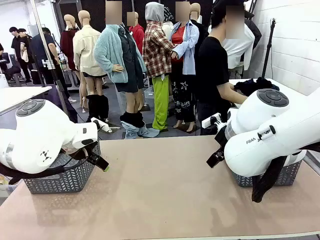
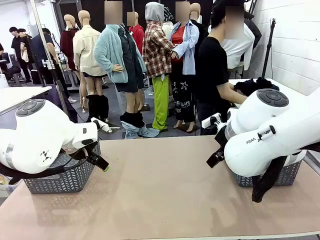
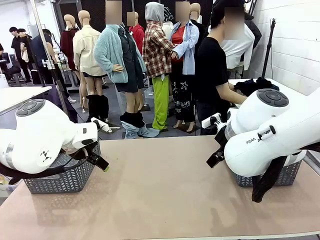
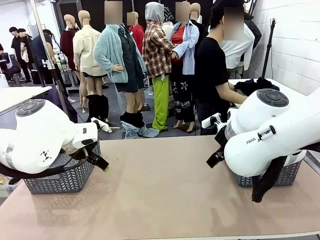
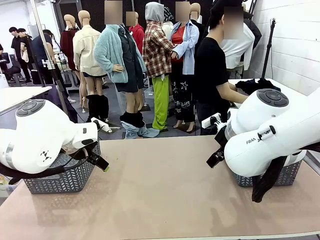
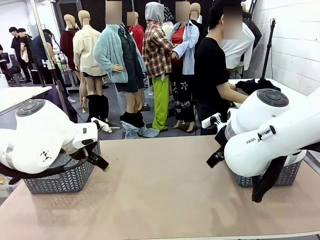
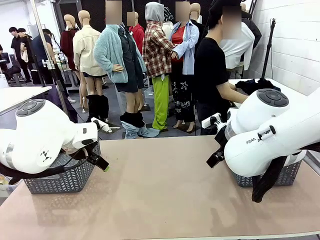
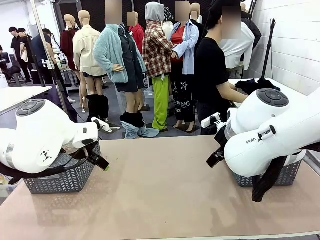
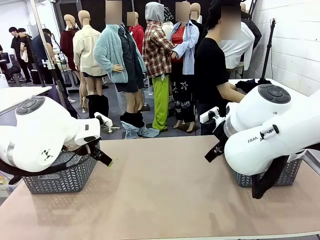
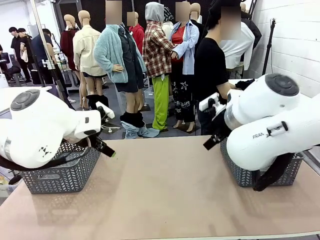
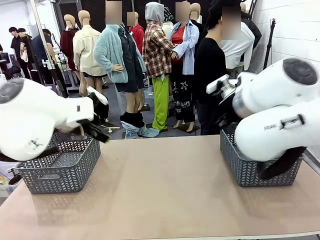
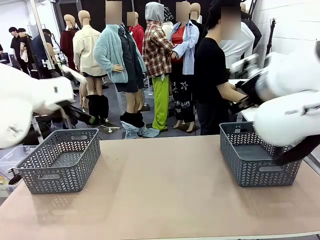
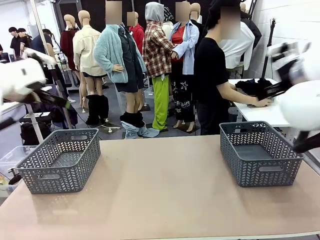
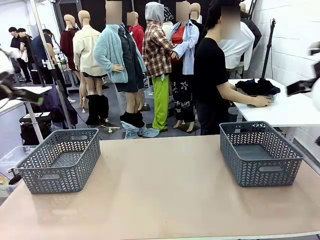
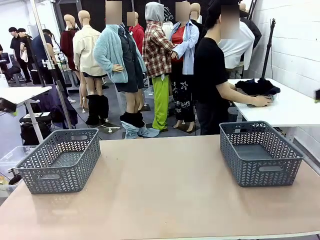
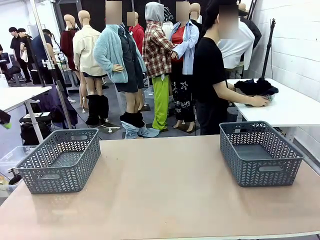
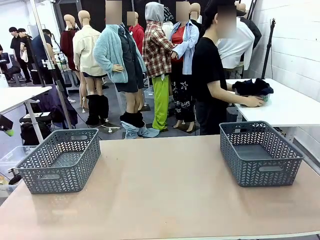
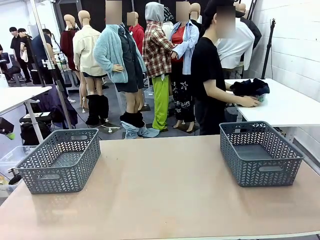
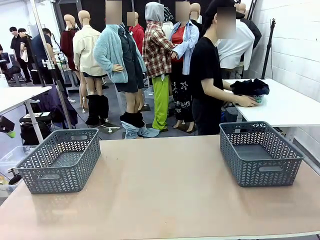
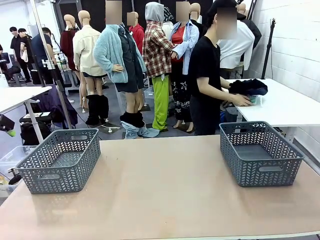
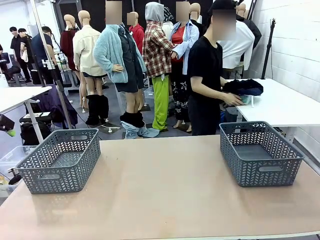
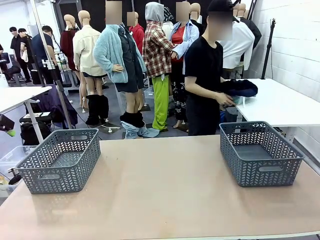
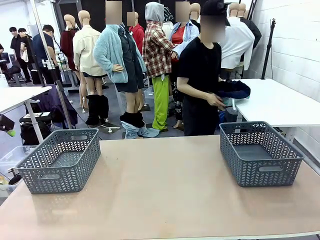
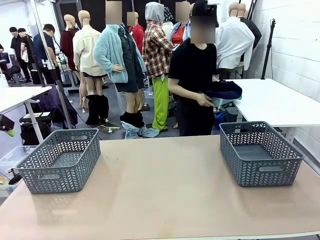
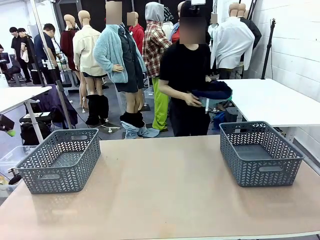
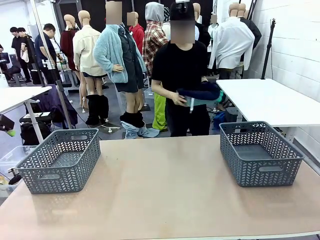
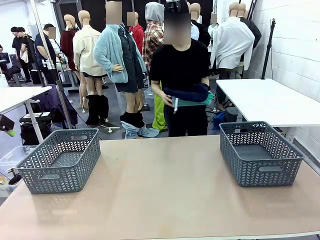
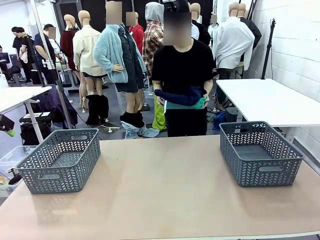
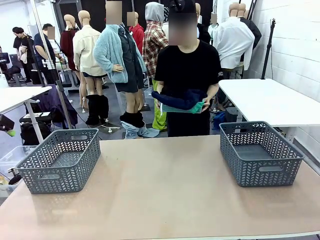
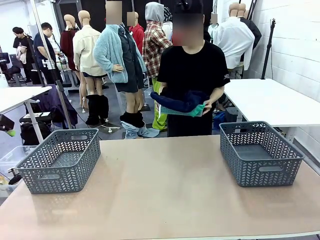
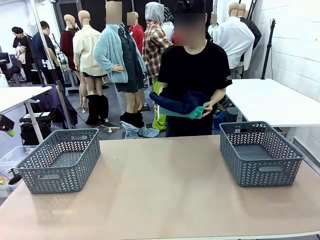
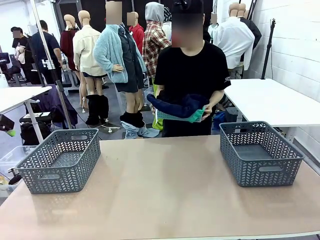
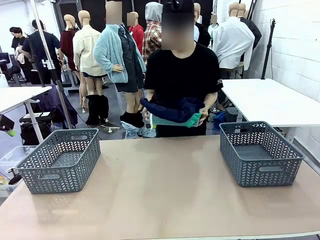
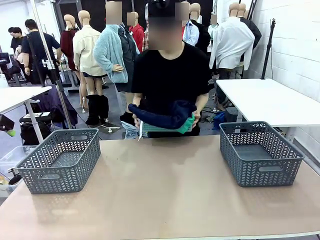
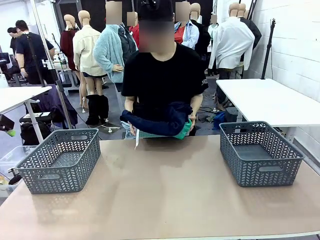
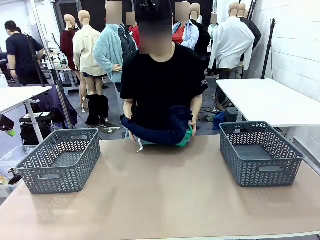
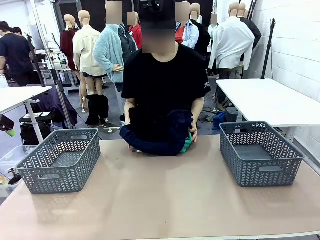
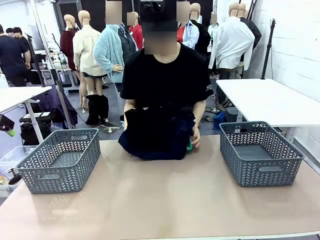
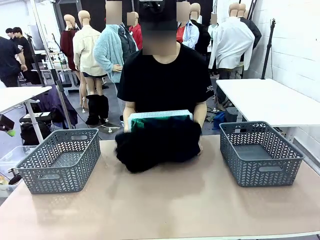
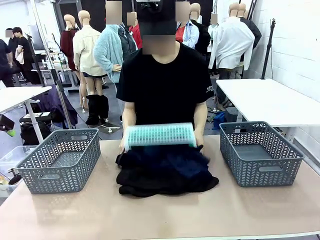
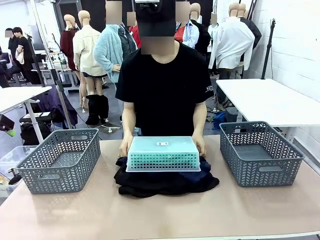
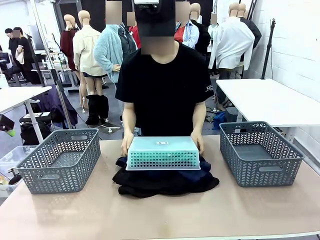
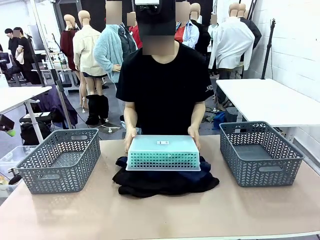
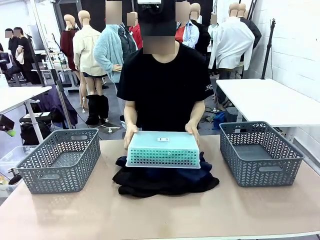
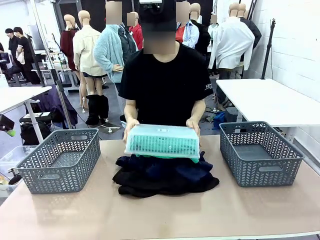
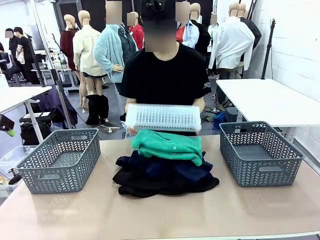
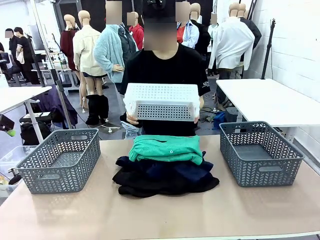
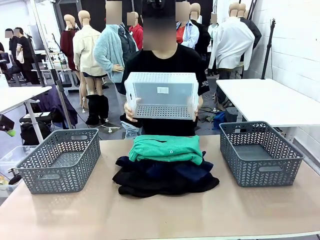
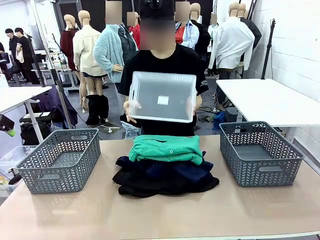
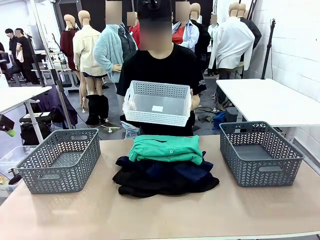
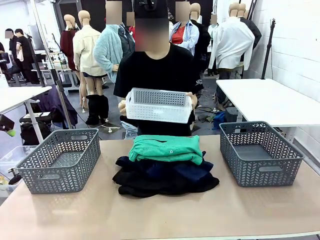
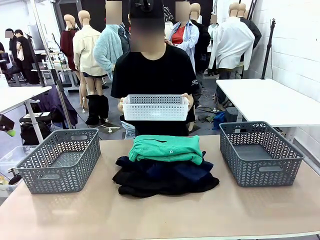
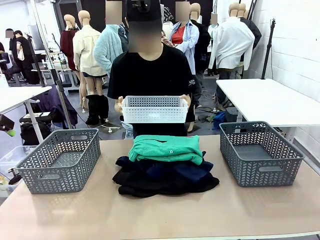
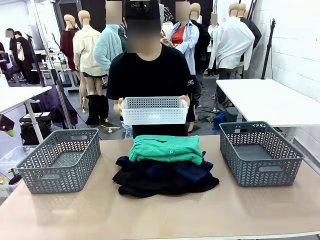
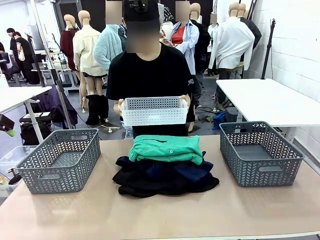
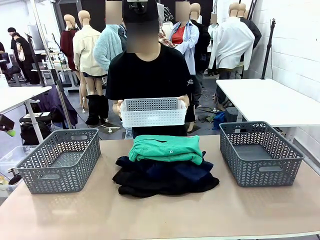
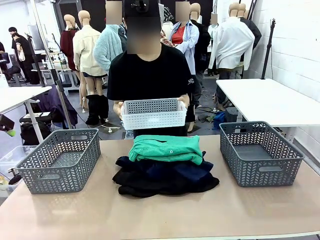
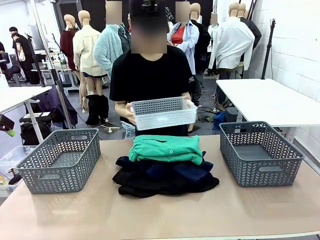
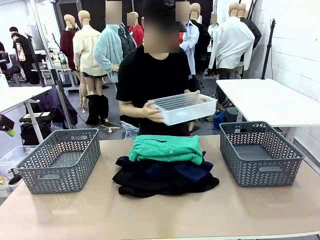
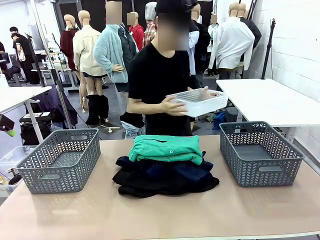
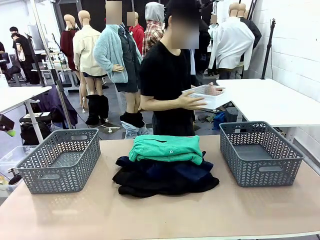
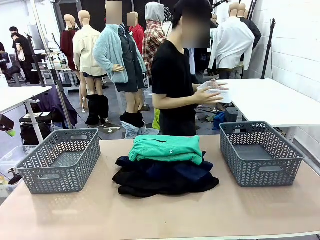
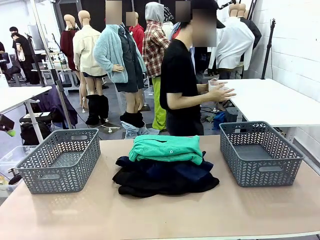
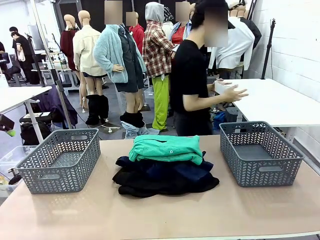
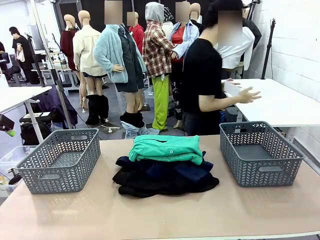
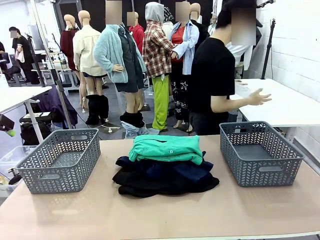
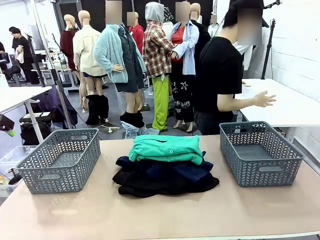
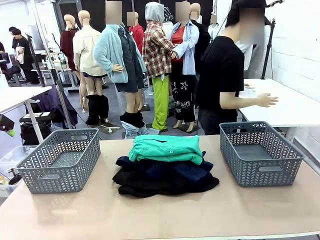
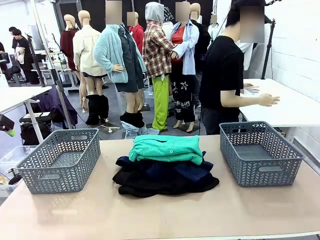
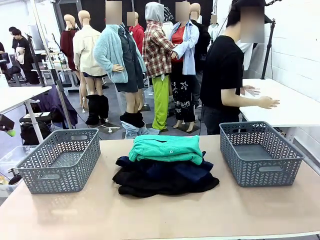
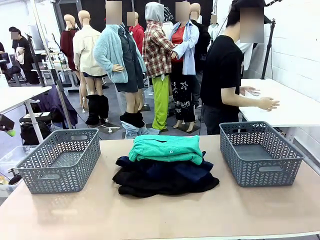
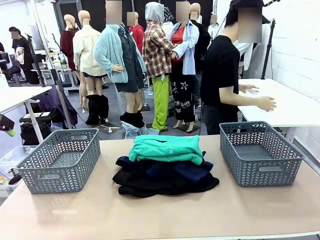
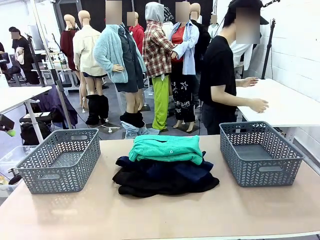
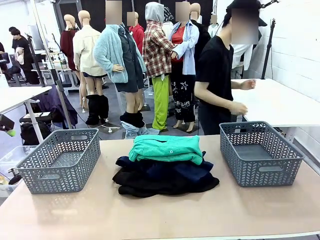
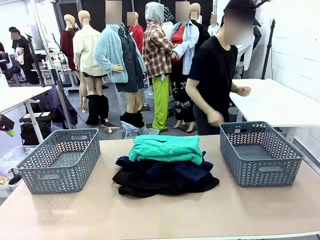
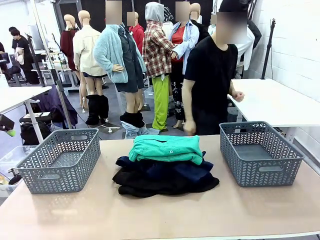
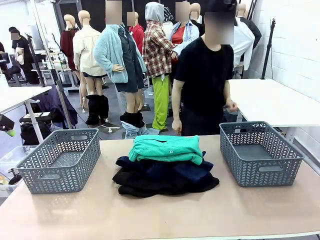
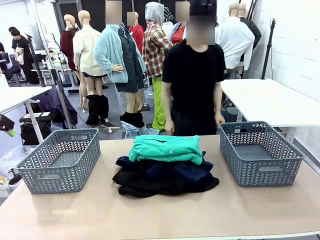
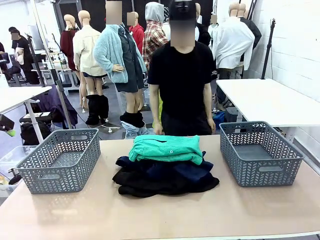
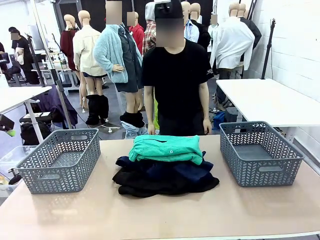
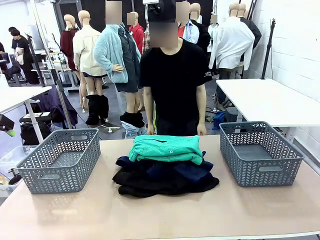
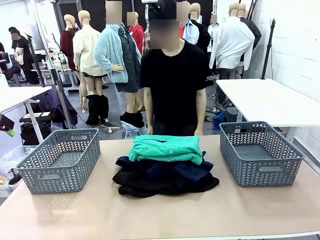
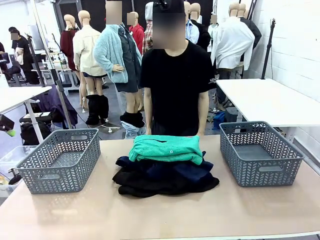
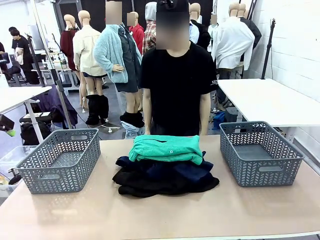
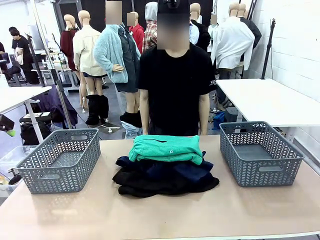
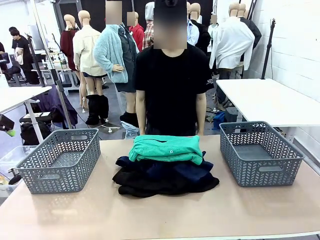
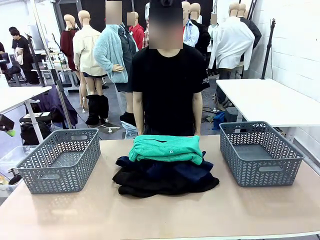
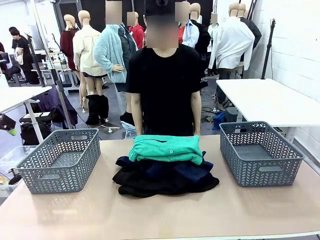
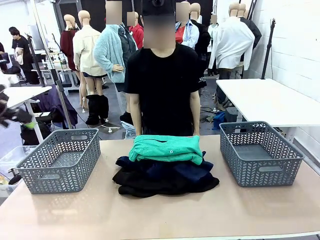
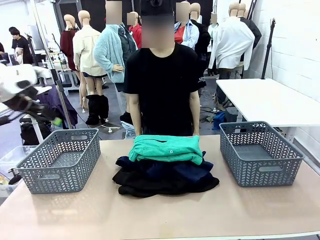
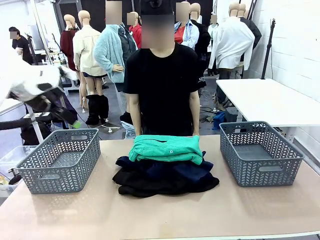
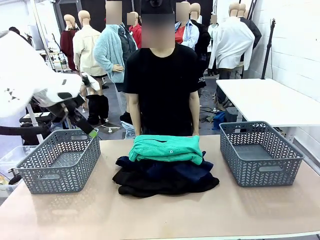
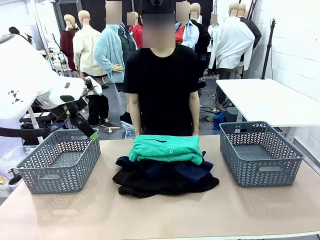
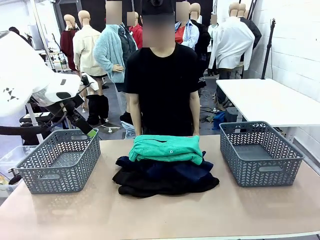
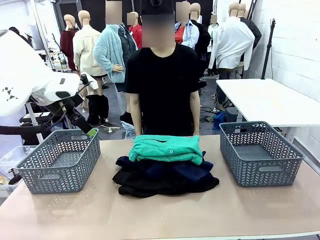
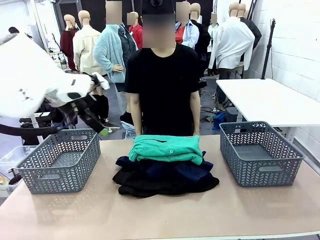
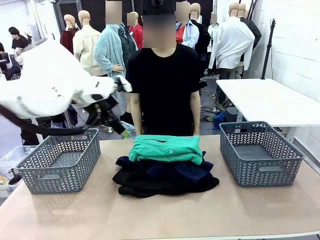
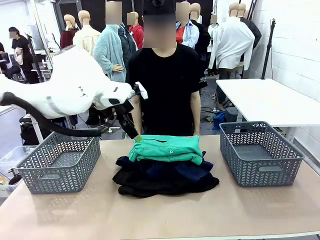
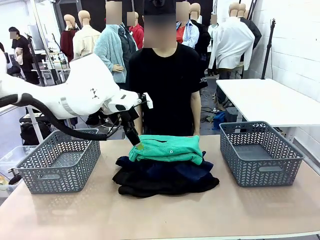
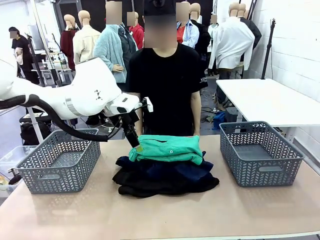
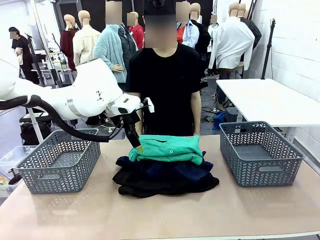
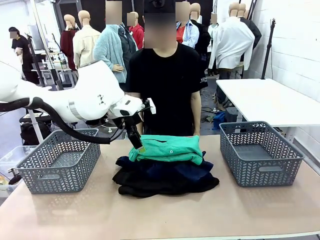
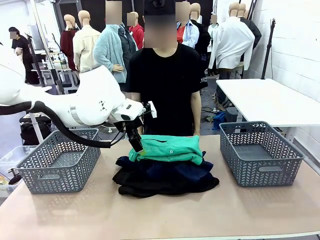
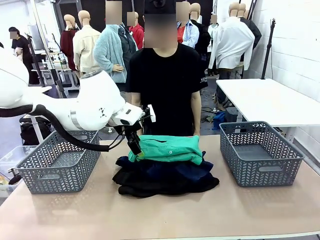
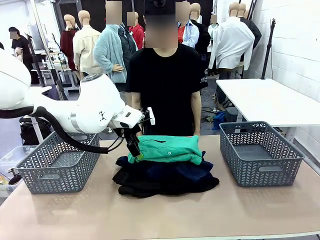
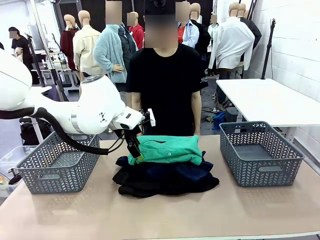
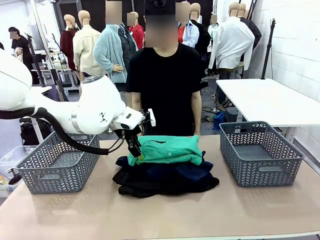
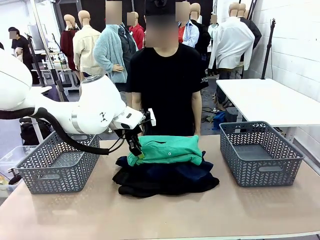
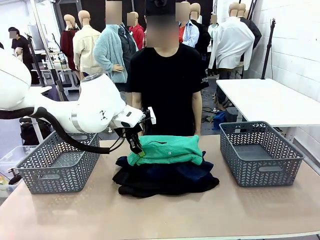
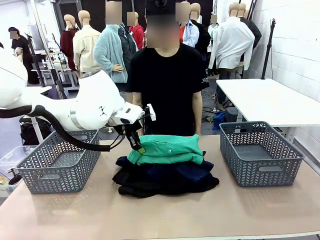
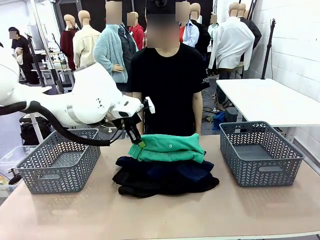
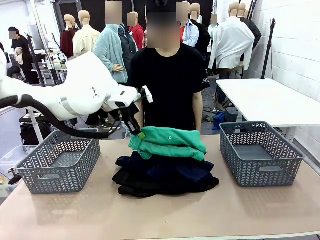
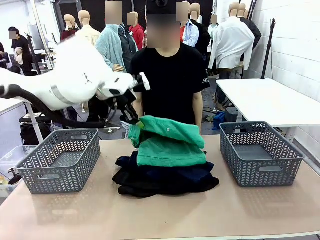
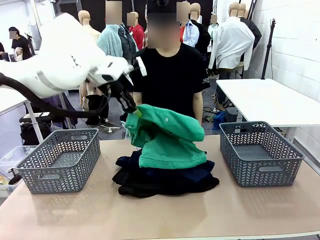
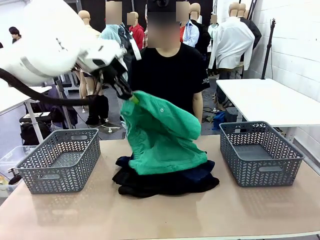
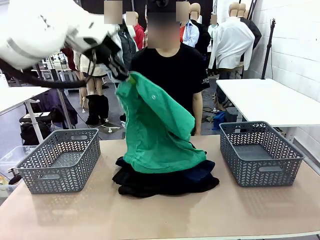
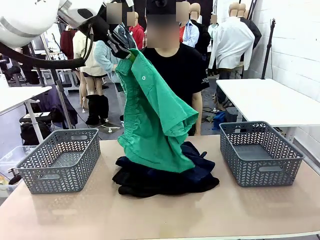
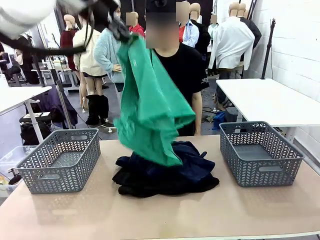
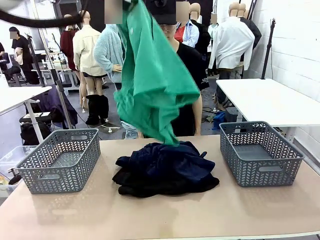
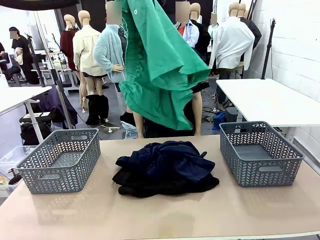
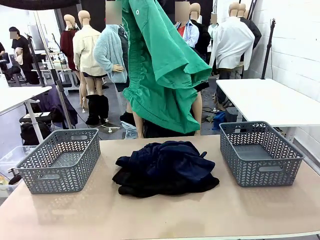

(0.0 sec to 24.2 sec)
Task: Sort the tops and bottoms.
Robot: Lift clothes from the center of the table with your left hand.
Person: Pour the clothes from the basket onto the center of the robot table.
